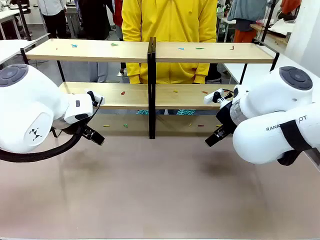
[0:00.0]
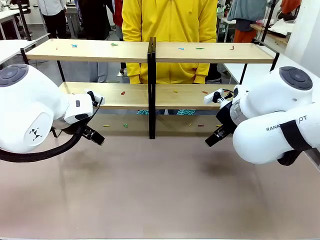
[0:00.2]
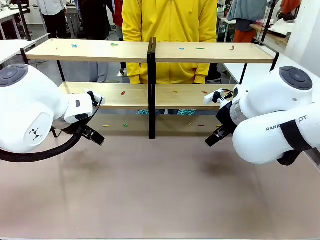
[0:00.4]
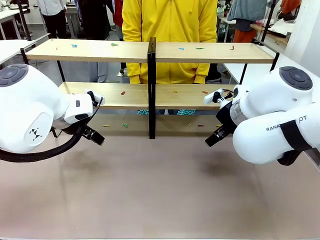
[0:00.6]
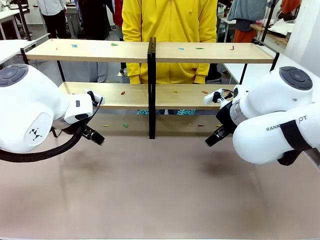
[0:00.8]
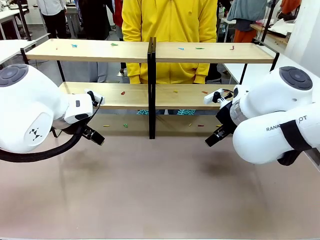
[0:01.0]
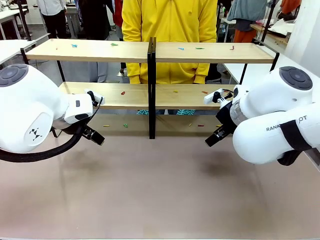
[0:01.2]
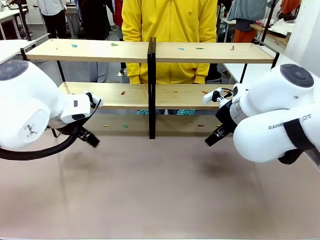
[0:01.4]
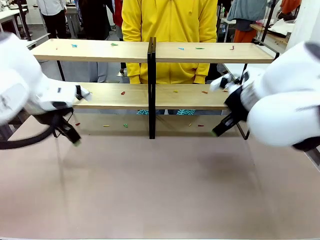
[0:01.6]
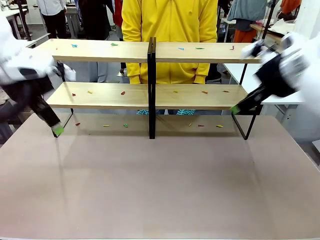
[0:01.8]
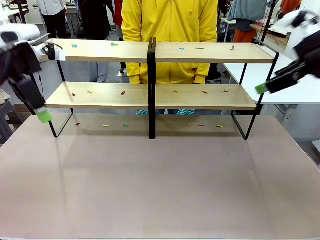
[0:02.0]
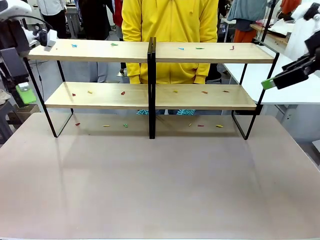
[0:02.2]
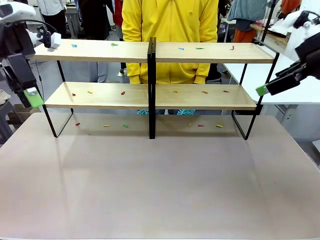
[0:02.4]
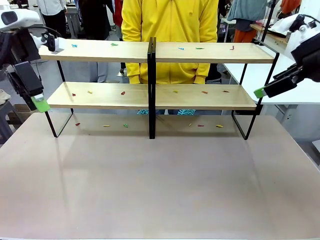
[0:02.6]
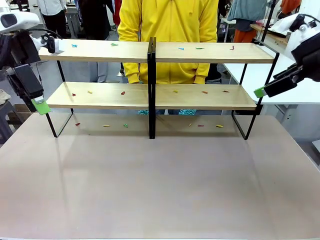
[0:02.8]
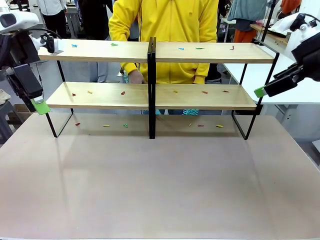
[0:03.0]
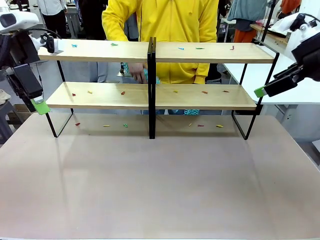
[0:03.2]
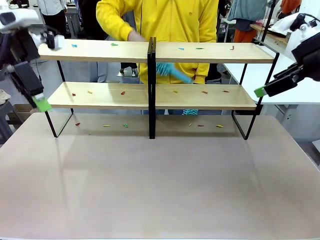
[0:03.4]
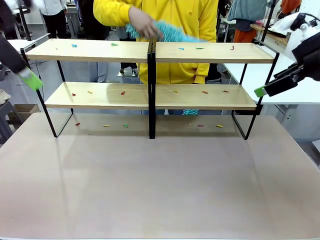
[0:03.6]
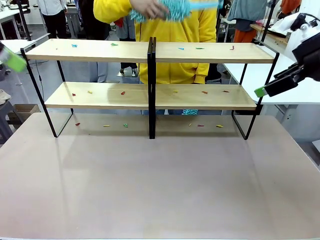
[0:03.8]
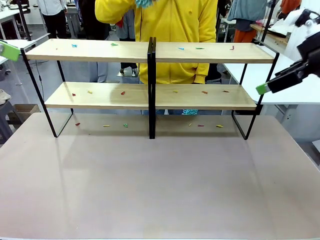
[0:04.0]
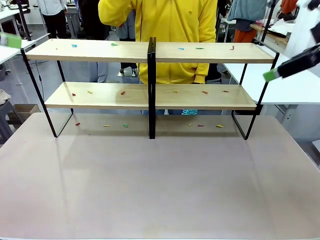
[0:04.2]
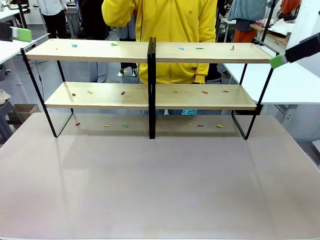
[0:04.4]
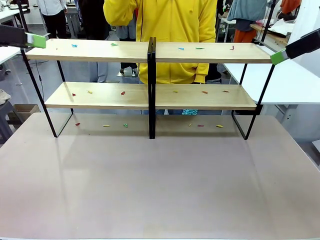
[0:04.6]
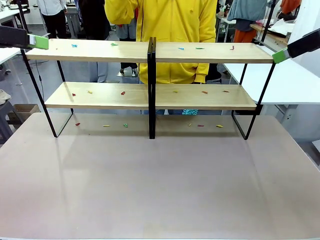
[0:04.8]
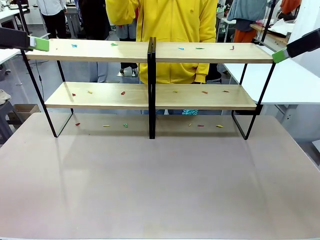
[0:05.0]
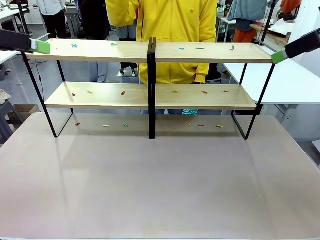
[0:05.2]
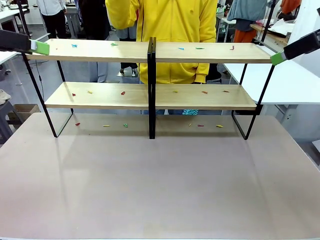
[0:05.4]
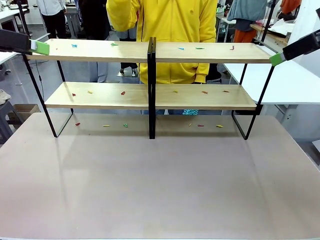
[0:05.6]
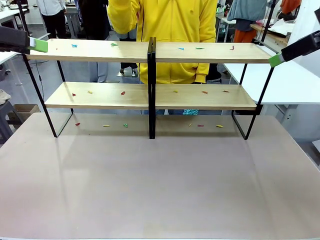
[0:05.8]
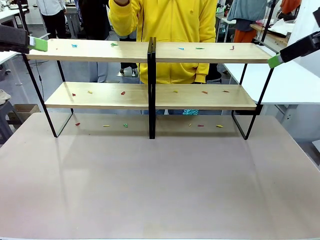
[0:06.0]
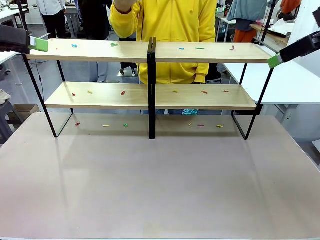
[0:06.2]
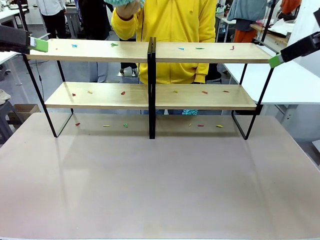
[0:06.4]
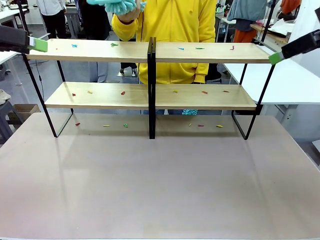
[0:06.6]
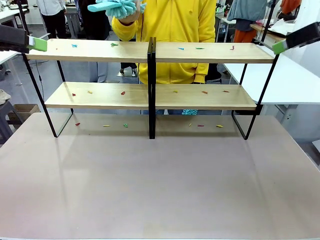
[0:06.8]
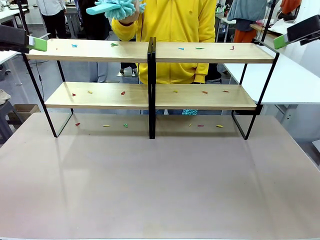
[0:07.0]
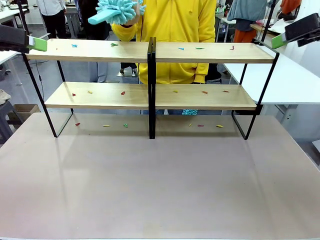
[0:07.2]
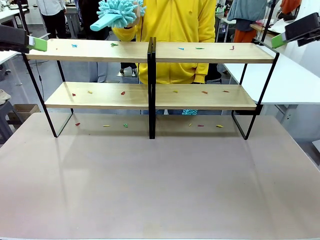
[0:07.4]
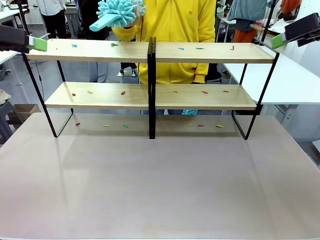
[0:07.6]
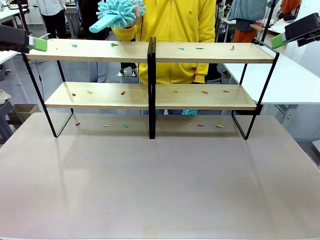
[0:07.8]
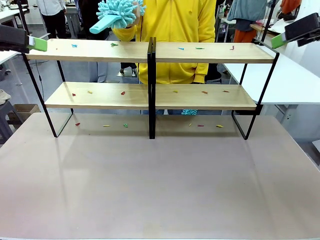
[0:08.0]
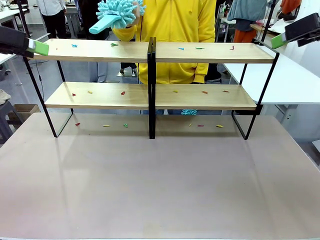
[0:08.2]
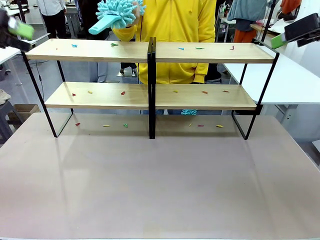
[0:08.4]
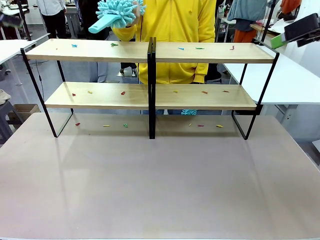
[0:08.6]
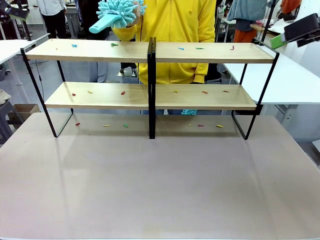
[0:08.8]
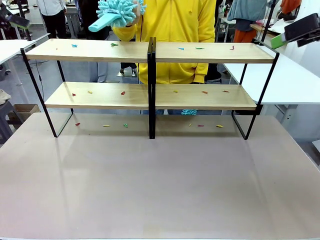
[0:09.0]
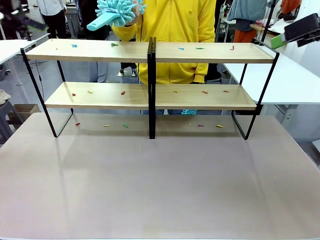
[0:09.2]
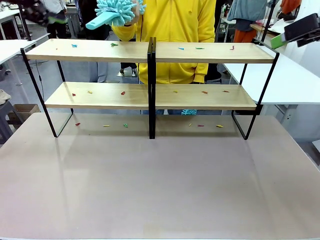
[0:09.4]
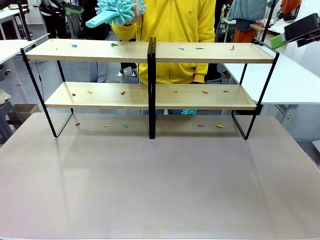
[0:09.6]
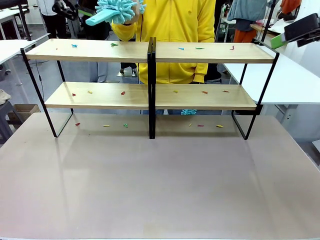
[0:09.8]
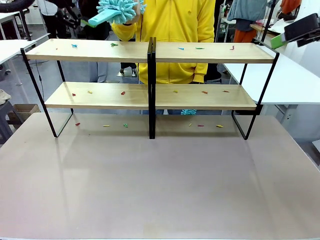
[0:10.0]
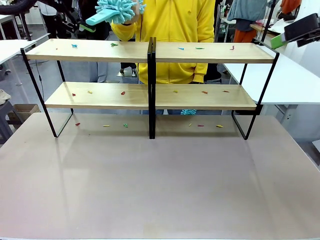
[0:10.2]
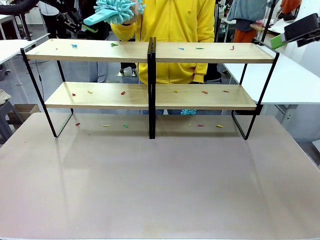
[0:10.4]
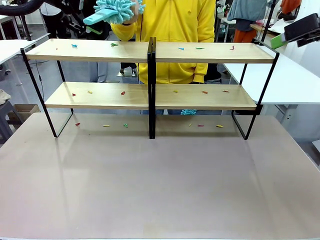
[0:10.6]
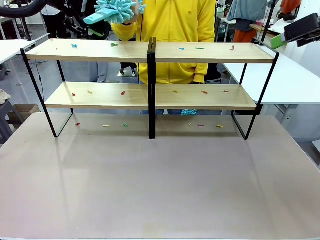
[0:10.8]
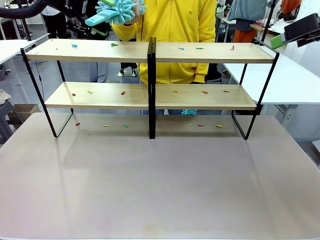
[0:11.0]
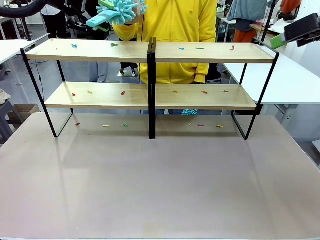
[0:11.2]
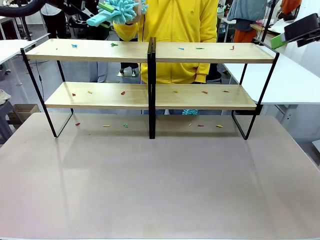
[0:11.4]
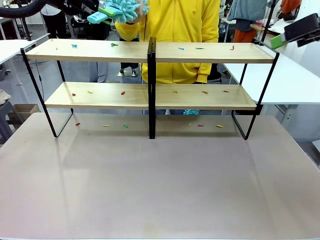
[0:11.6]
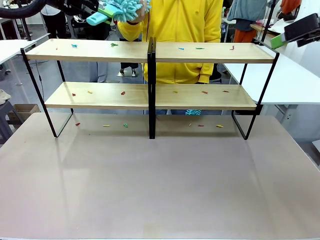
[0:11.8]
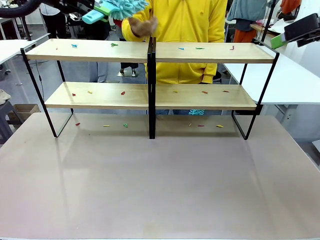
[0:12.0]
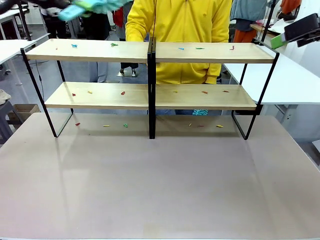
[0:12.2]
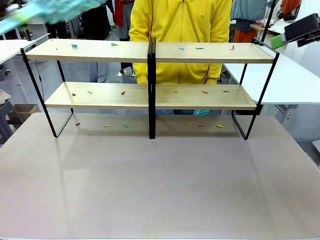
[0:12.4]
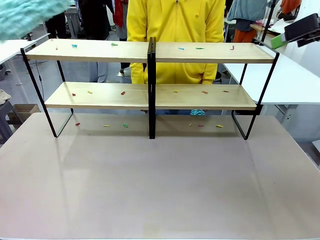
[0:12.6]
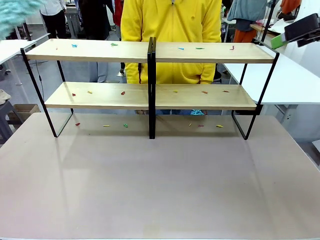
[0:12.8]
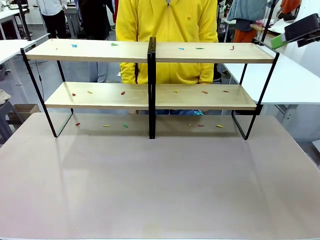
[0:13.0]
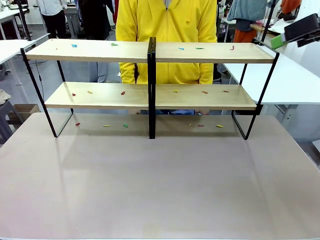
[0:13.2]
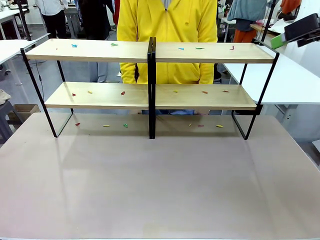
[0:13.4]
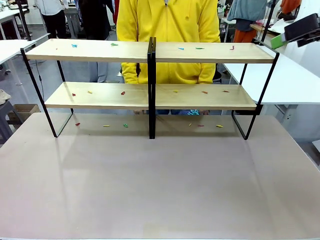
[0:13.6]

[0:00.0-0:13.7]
Task: Clean the shelves.
Robot: Pick up the Duster when the human hands it over.
Person: Hand the Duster to the robot with your right (or left) hand.

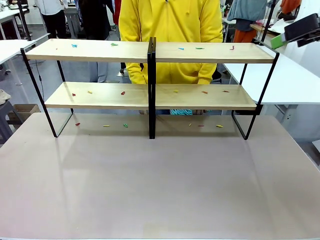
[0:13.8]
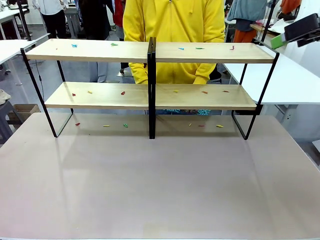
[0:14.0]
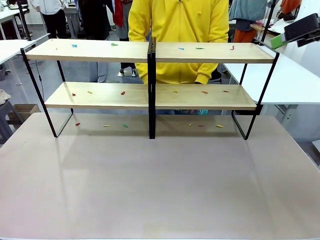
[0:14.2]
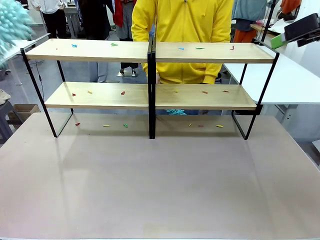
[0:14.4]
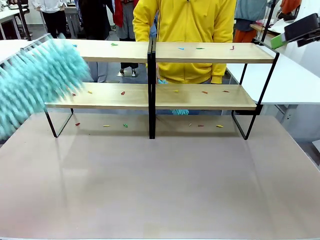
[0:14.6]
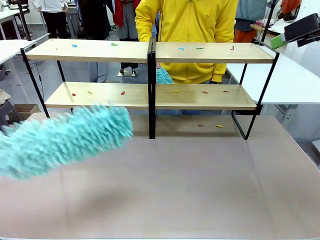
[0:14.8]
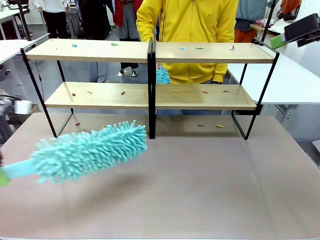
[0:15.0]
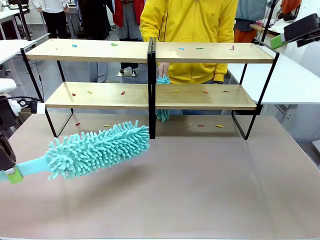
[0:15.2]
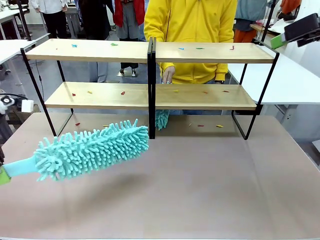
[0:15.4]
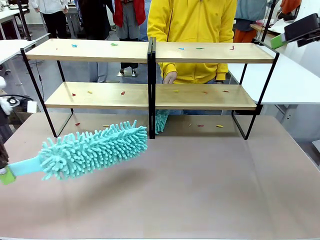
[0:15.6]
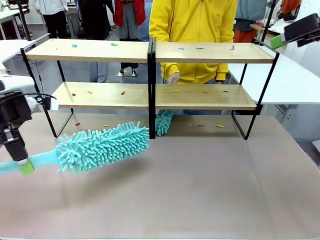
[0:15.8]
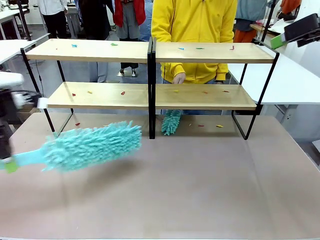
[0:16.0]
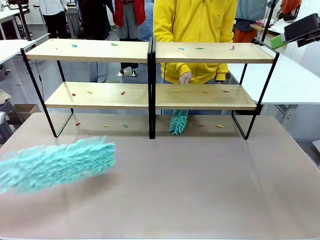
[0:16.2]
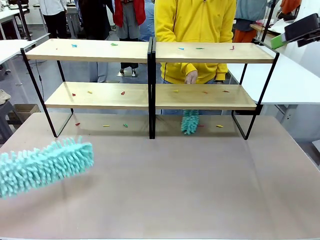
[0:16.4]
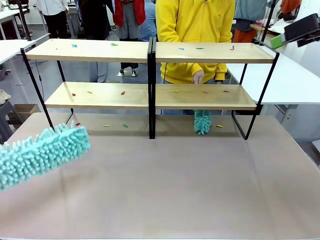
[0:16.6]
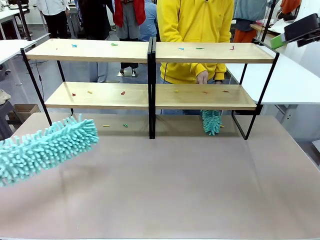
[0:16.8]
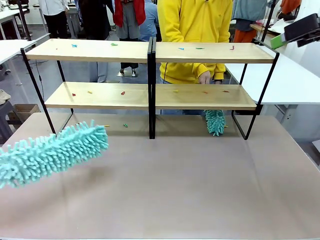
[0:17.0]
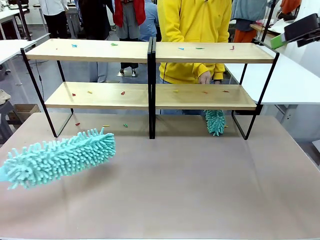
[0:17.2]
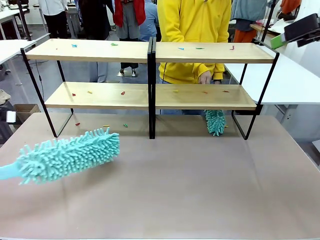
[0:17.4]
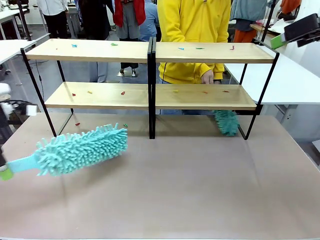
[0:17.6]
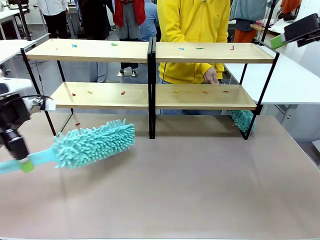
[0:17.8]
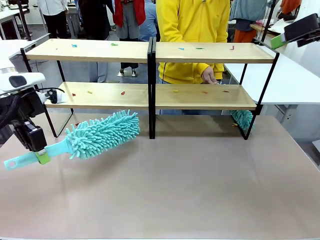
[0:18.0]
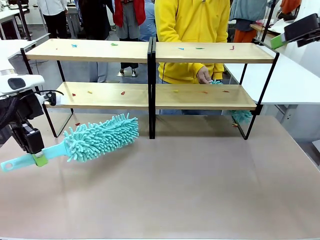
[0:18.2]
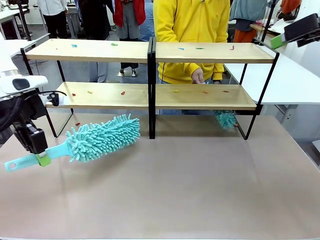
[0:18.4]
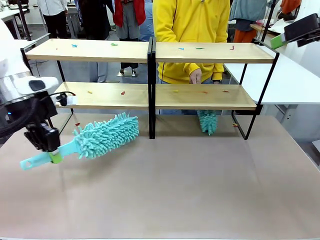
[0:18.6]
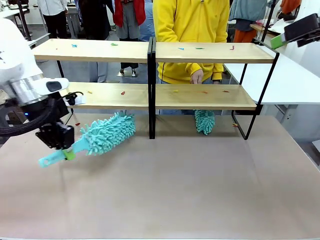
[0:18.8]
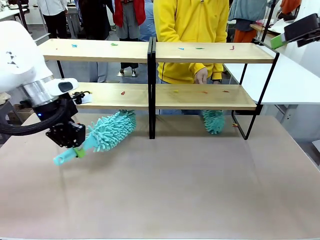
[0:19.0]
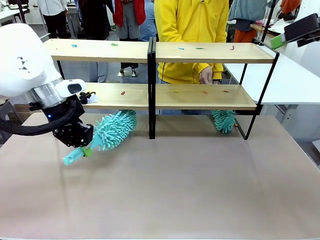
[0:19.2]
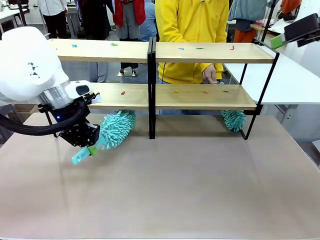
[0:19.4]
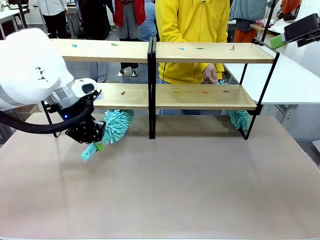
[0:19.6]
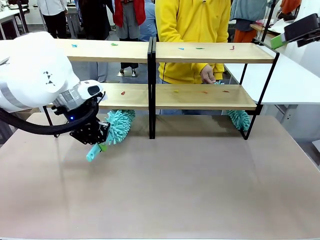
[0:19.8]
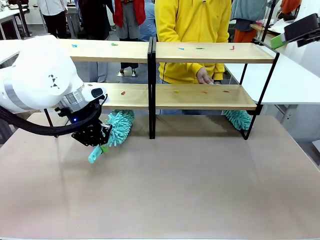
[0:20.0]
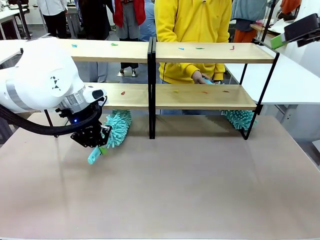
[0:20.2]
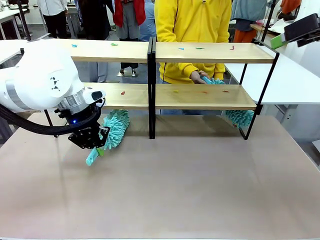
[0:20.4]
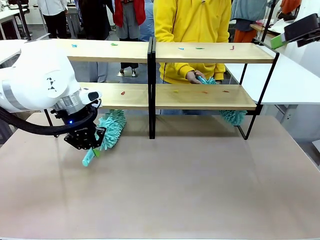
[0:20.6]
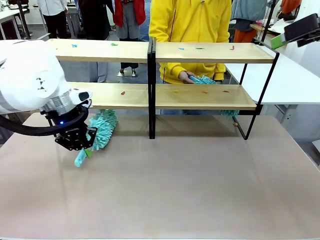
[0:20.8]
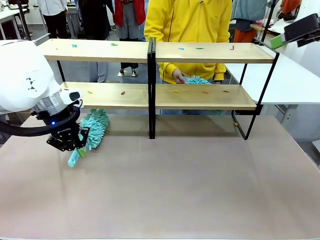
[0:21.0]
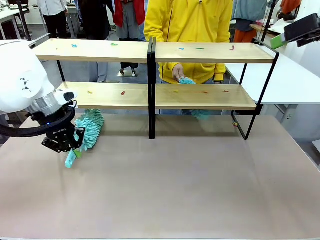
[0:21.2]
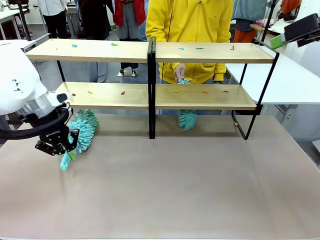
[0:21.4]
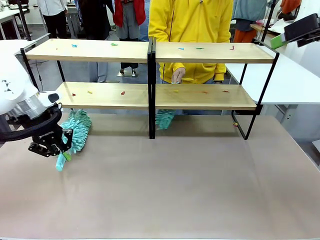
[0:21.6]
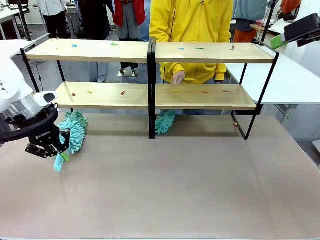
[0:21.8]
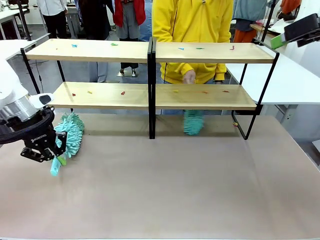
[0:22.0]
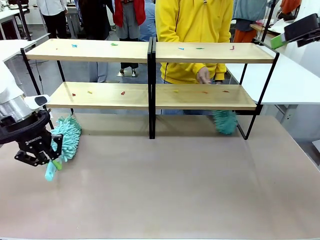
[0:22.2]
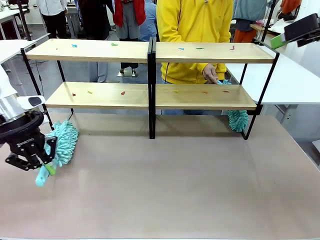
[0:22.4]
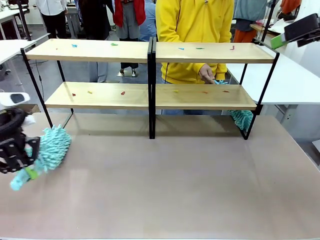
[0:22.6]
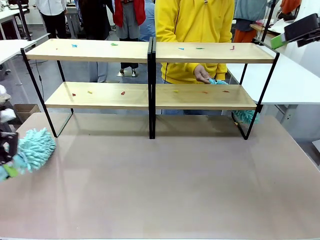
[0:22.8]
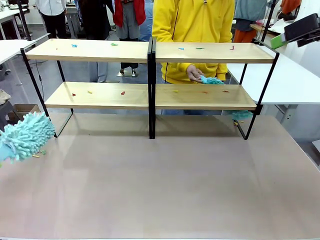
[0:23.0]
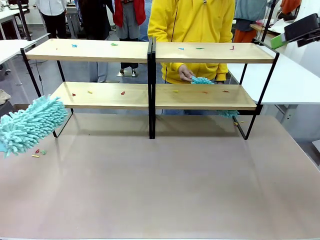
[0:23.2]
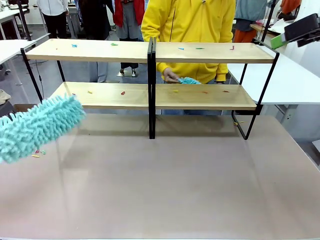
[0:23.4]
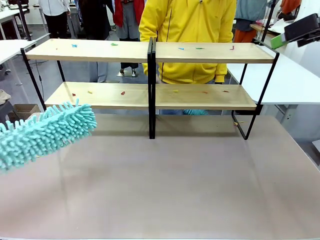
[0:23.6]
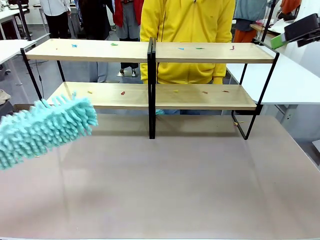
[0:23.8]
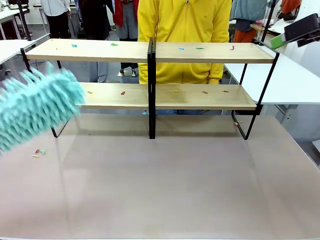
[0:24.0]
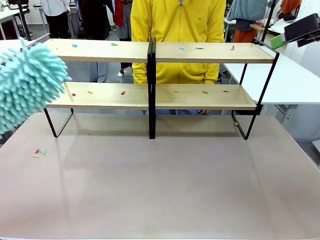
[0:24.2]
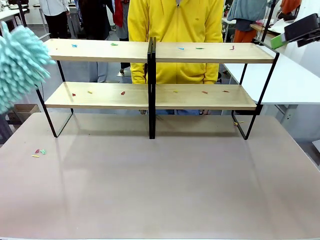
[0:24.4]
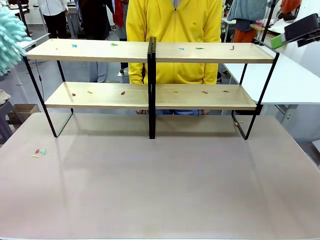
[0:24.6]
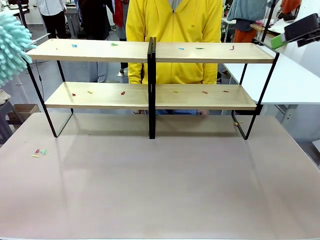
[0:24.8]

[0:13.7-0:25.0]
Robot: Clean a randomly selected level of the Shelf with the Duster.
